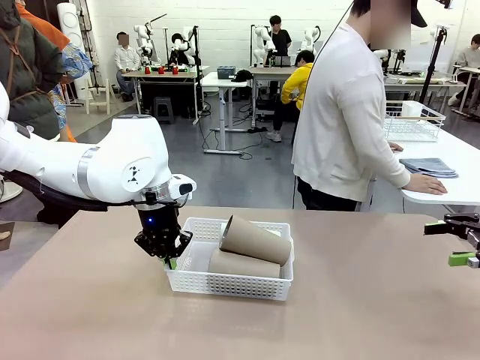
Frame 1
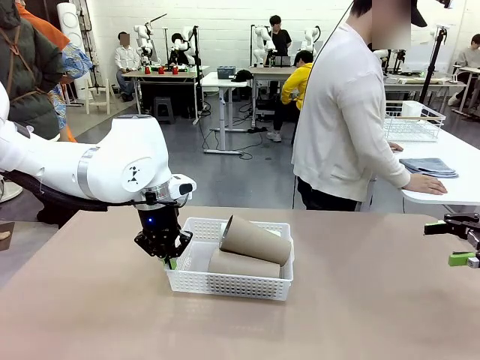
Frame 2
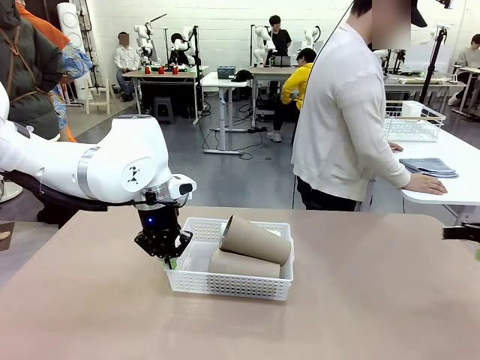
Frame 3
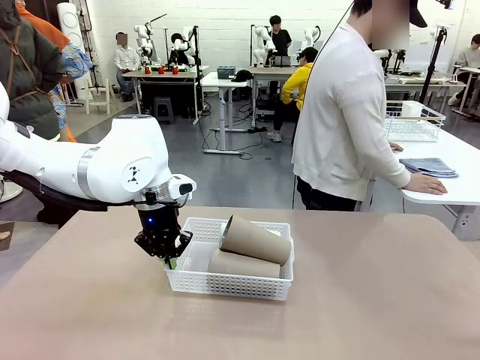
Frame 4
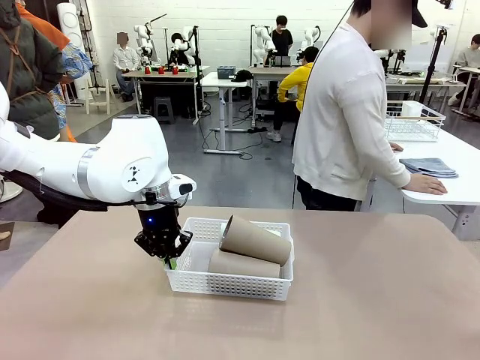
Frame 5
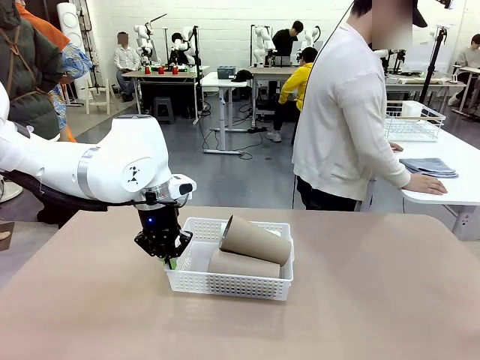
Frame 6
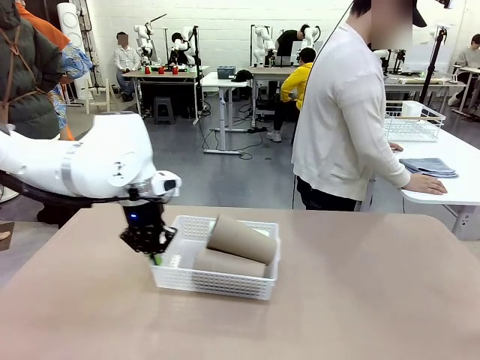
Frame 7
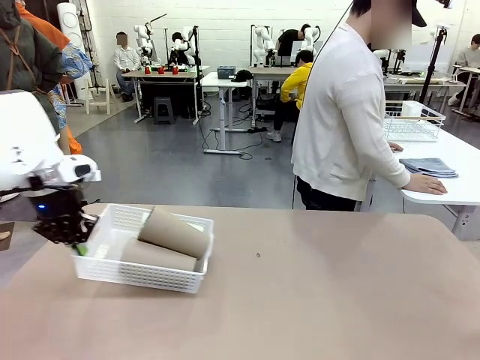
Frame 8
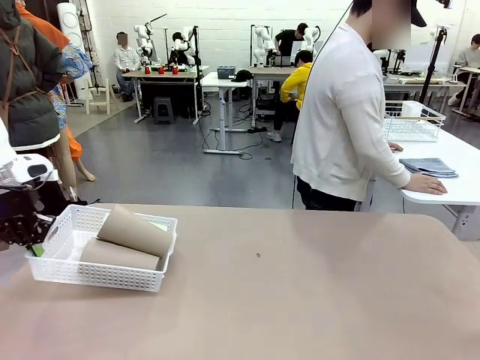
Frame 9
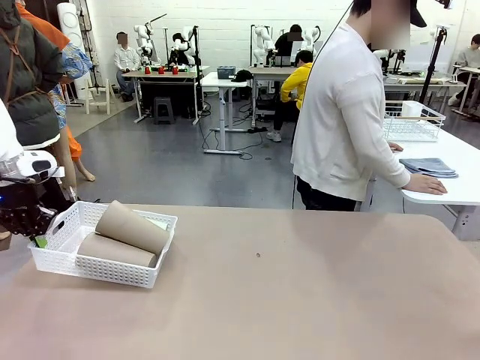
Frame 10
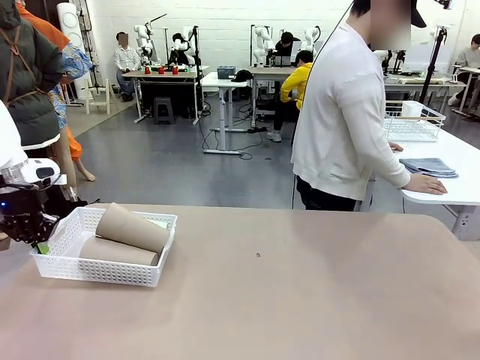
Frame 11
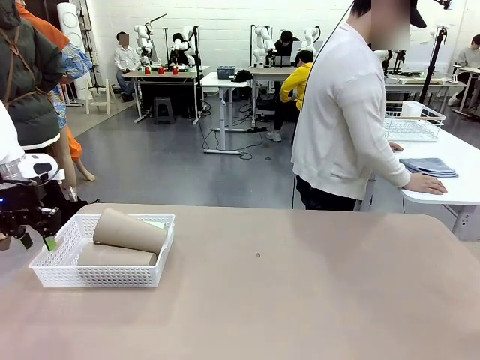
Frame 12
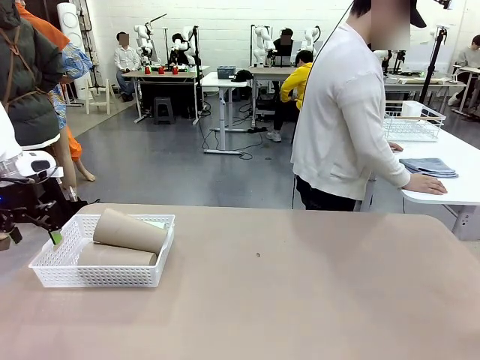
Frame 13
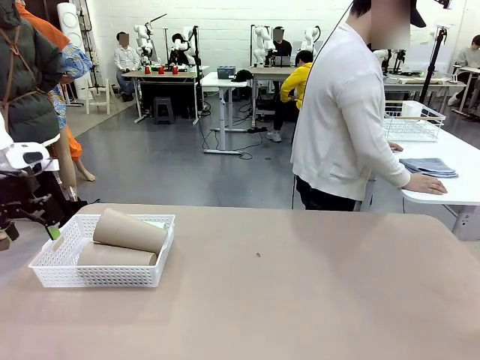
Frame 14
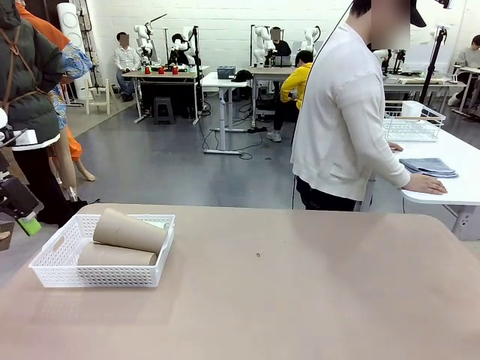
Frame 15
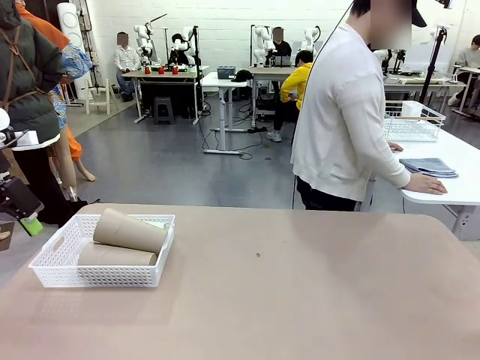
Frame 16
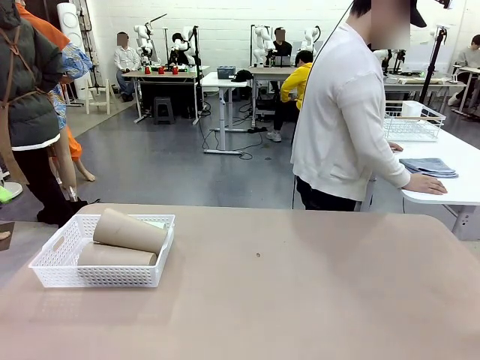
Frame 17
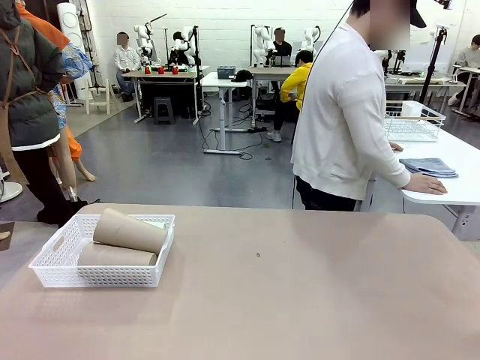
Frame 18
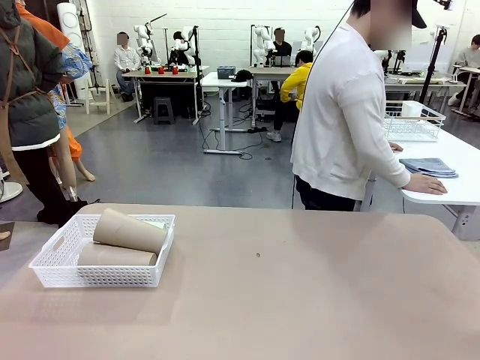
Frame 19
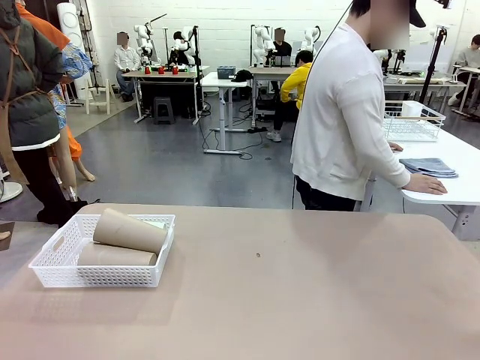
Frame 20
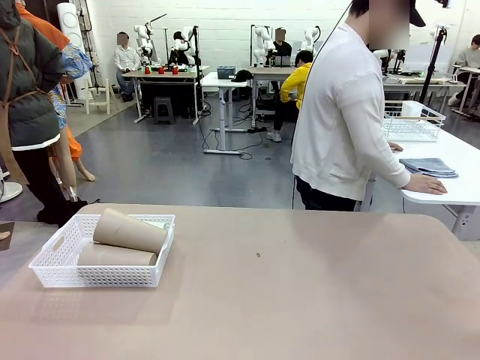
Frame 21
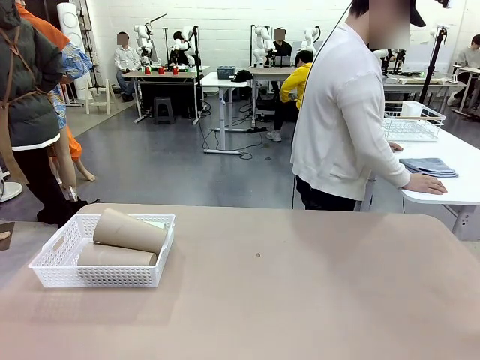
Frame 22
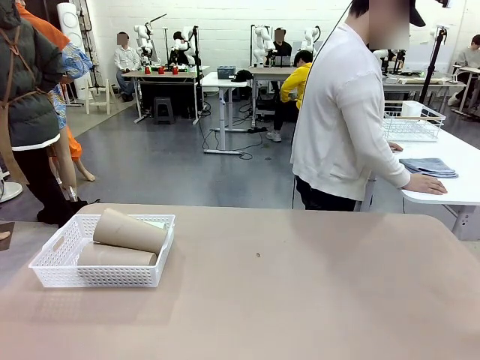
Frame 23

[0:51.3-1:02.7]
Task: Clean and organize the cups into the basket.
Robot: Move the Organizing basket back to the left side of the table.

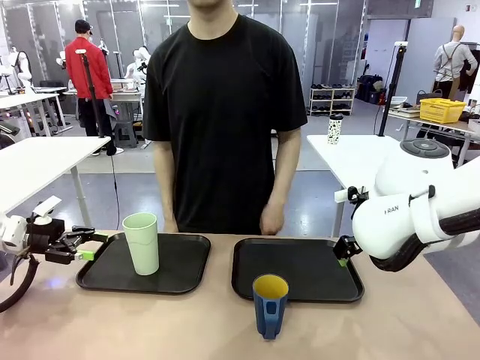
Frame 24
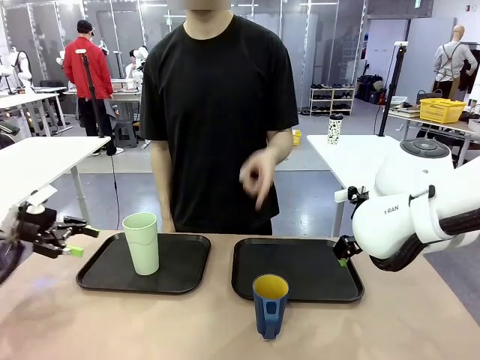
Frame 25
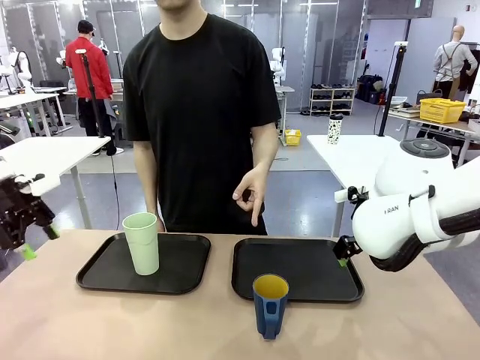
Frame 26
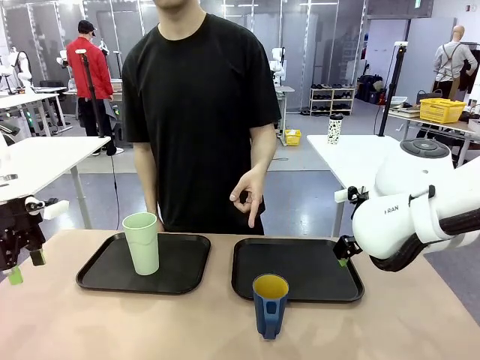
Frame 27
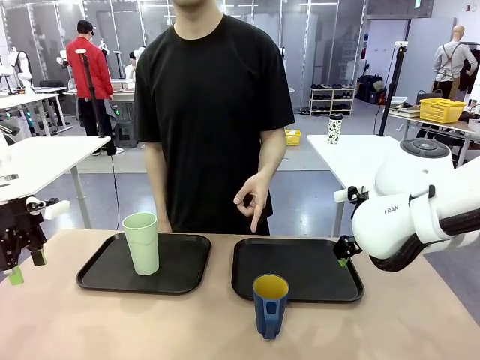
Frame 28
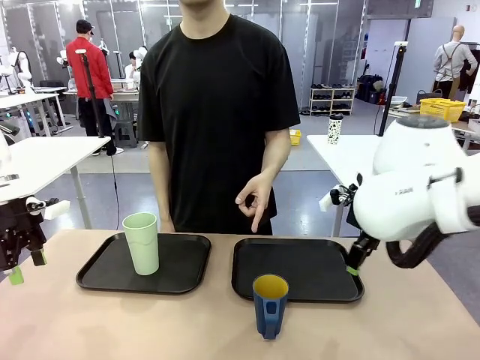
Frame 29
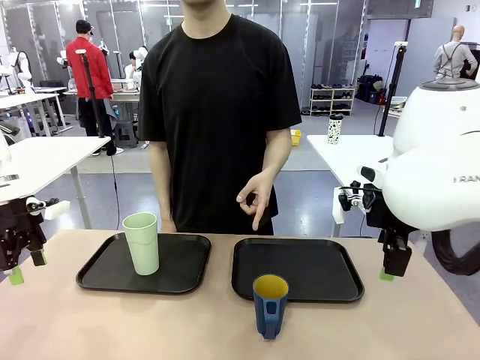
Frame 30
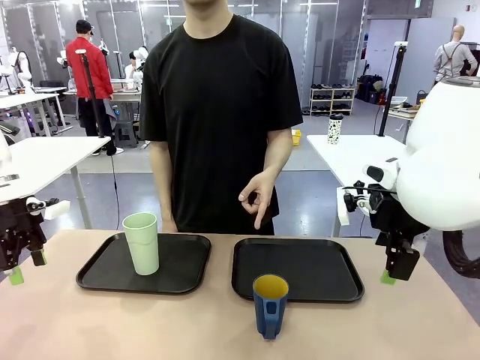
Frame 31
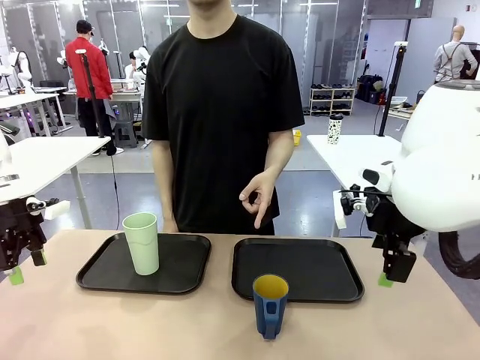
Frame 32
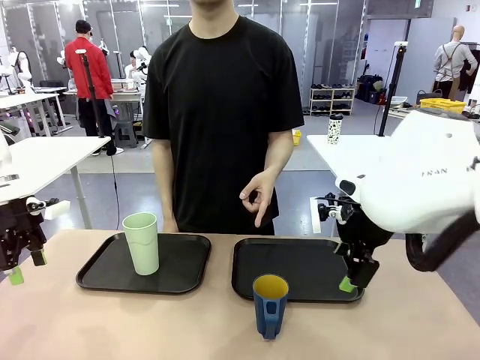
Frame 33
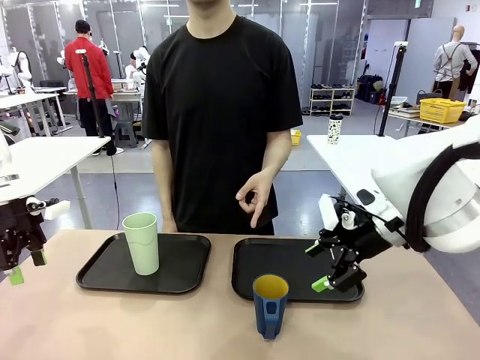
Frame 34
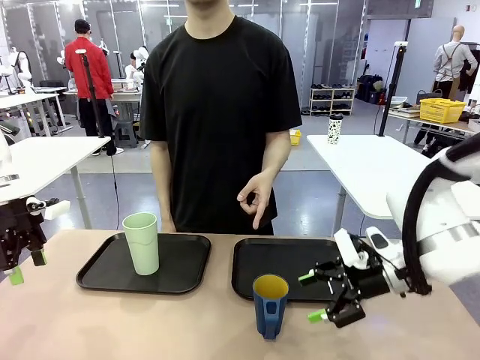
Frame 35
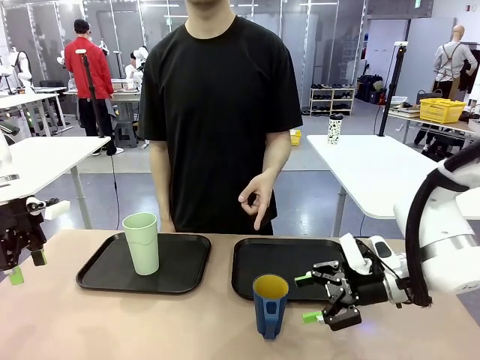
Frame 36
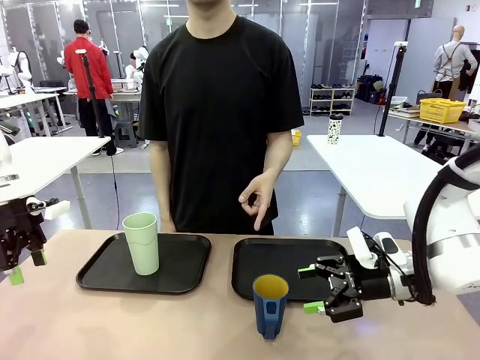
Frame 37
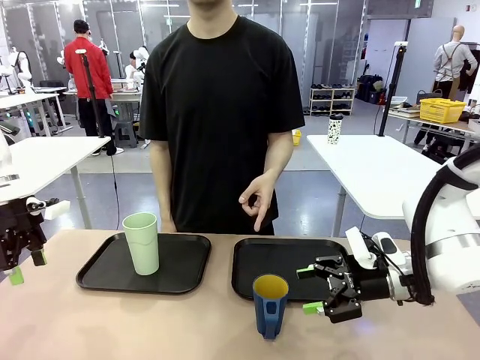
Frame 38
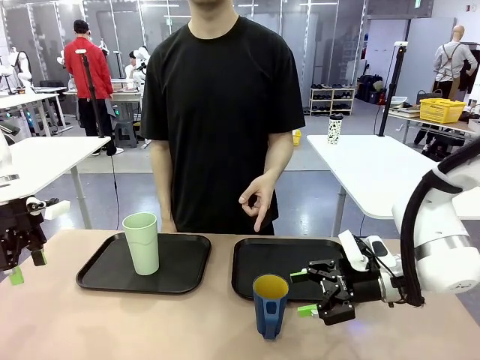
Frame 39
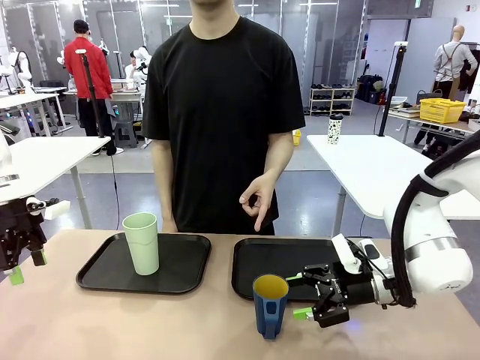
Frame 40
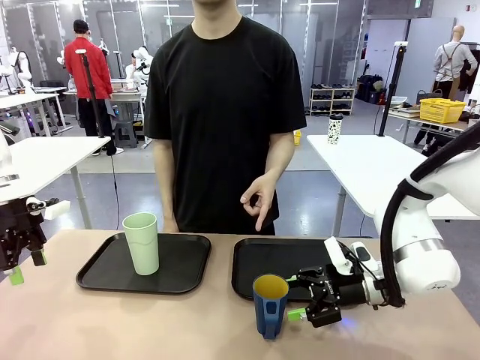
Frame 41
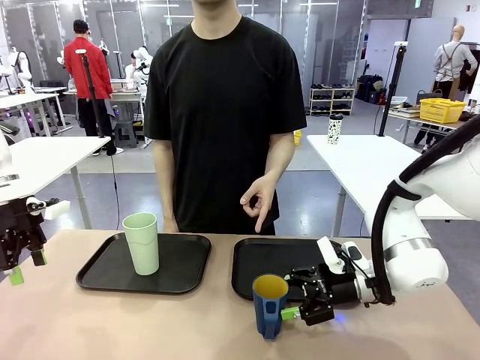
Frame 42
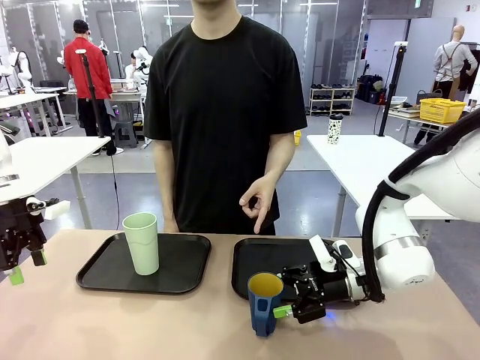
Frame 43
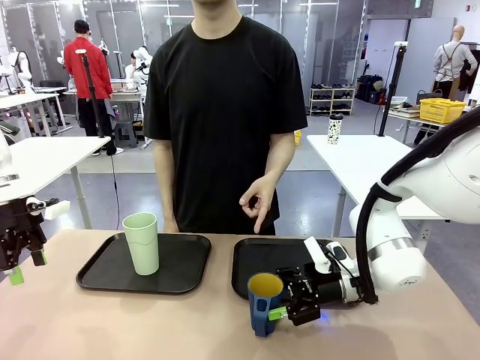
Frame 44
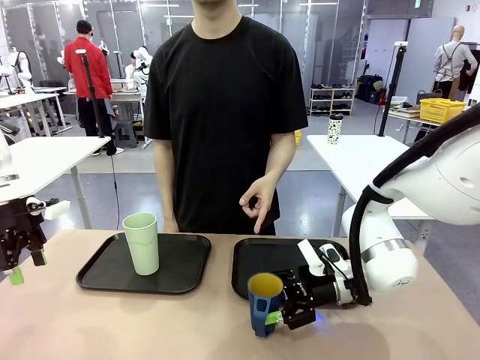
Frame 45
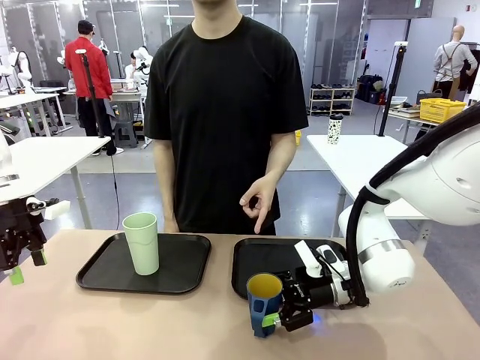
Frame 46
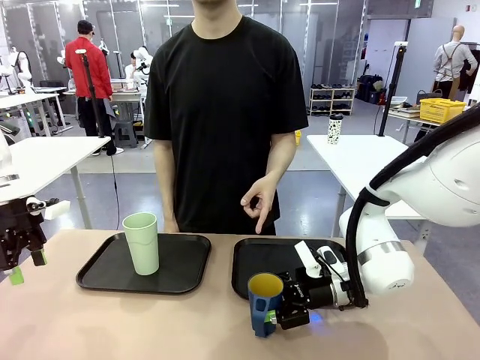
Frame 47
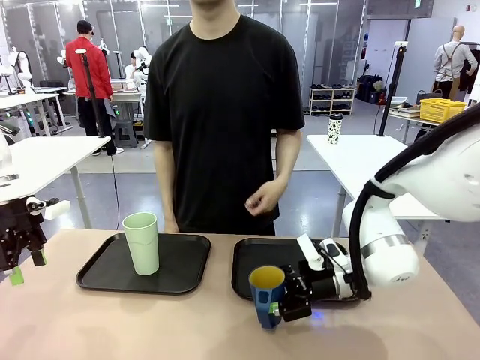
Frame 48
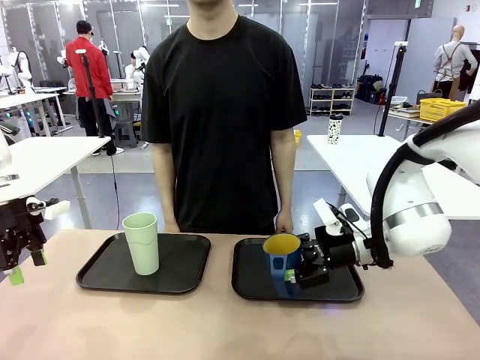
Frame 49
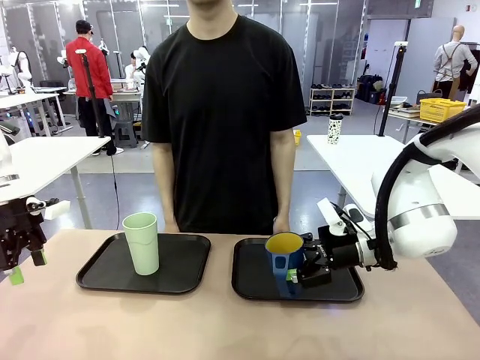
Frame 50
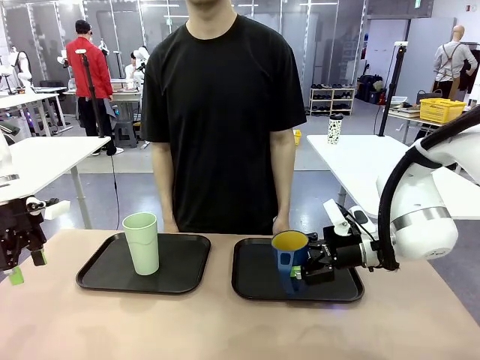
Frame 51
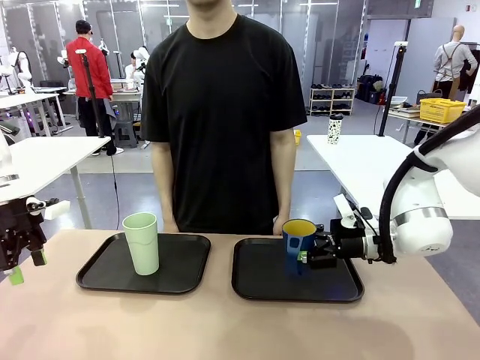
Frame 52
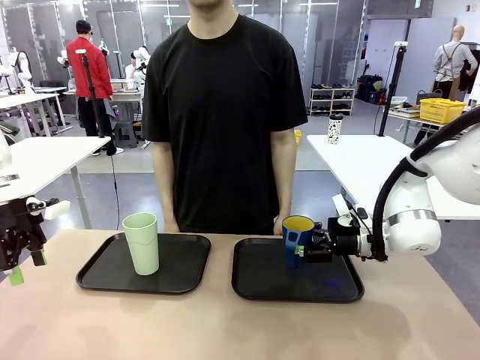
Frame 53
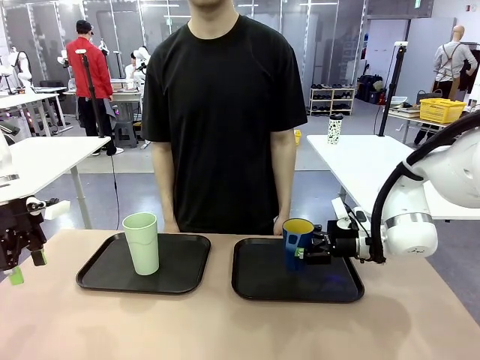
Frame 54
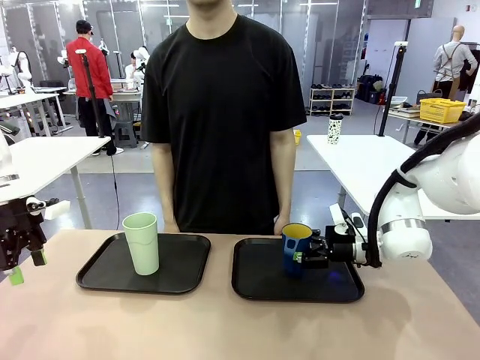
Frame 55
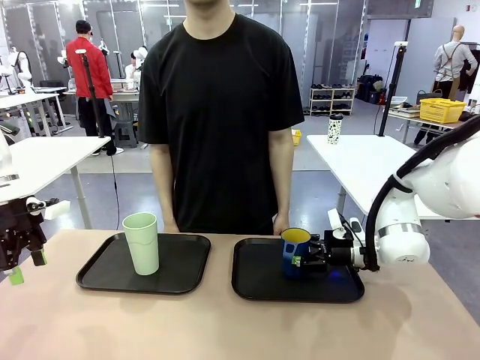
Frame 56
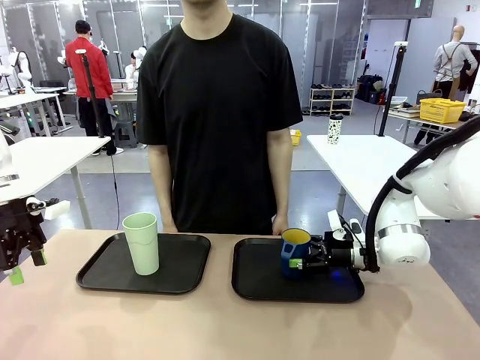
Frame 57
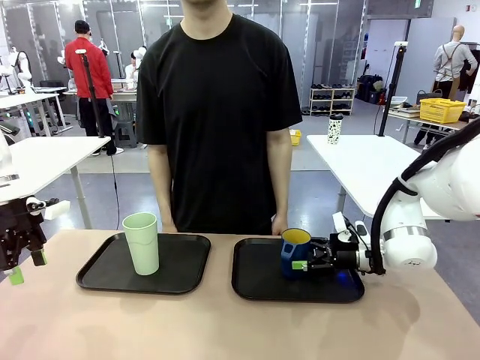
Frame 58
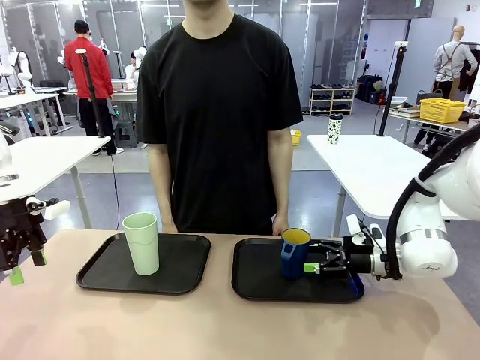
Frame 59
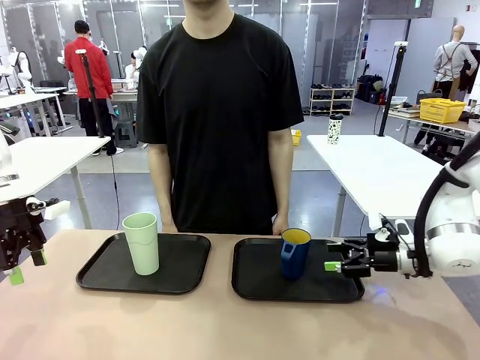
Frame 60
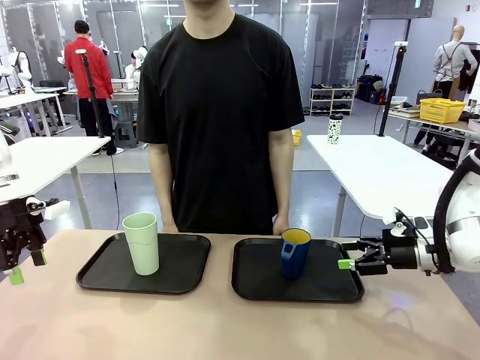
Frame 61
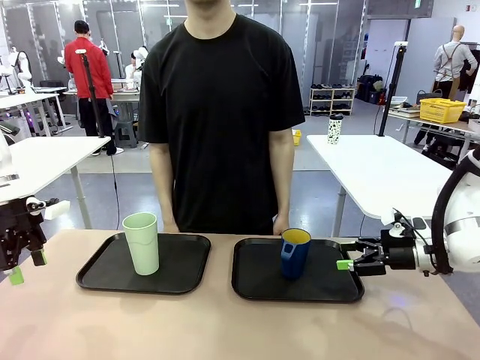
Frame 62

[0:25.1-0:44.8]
Task: Sort and store the cups by type.
Robot: Pick up the Handle plastic cup and place it into the empty Flat Tray.
Person: Points to the cup with a handle.
